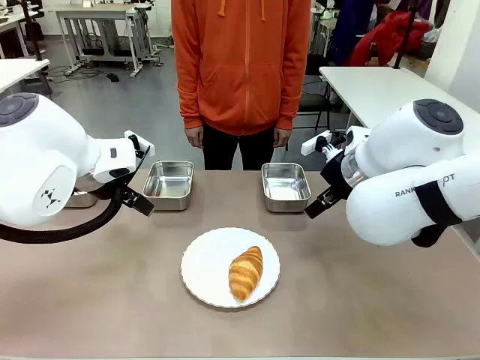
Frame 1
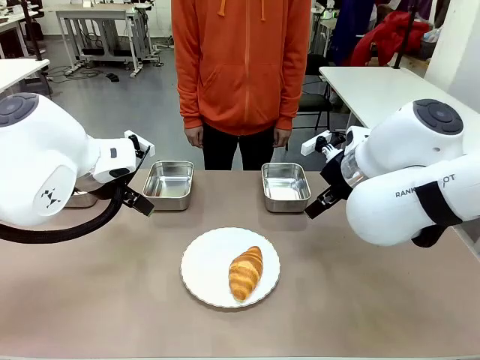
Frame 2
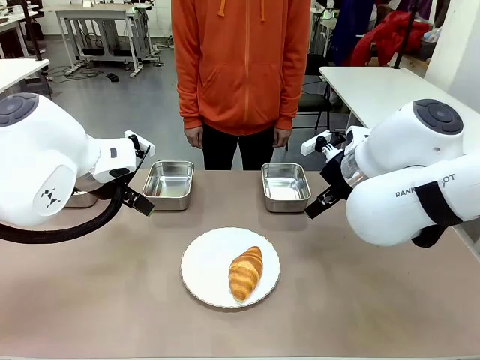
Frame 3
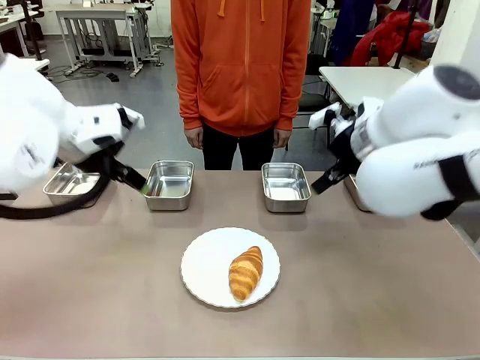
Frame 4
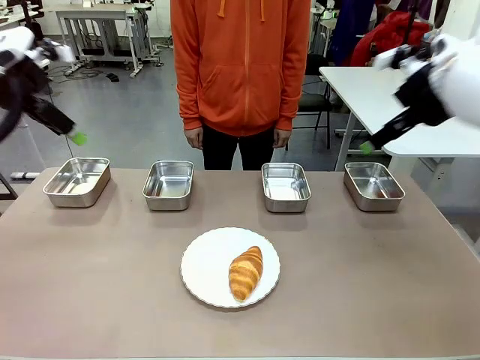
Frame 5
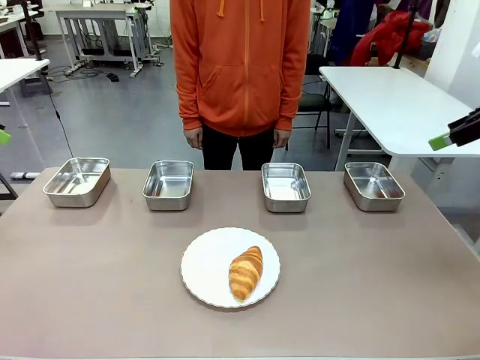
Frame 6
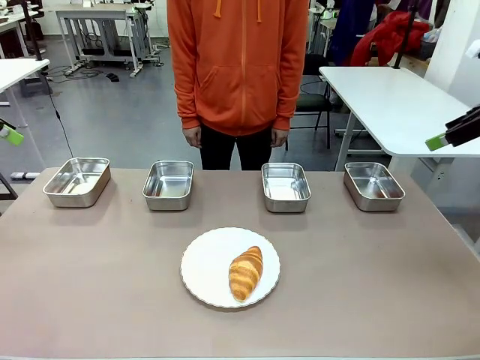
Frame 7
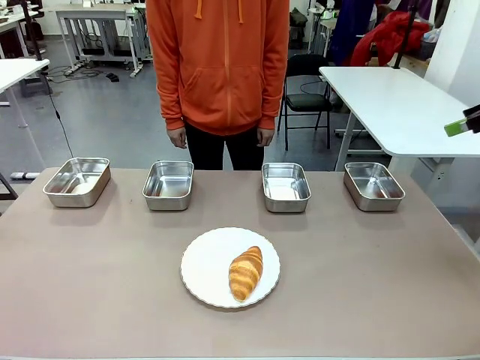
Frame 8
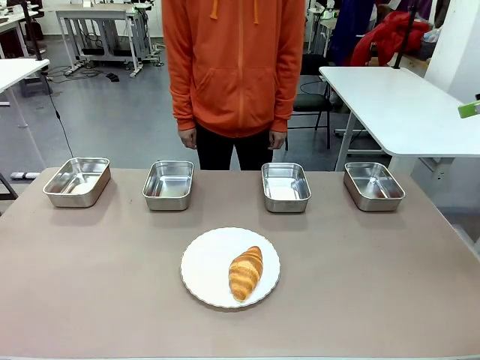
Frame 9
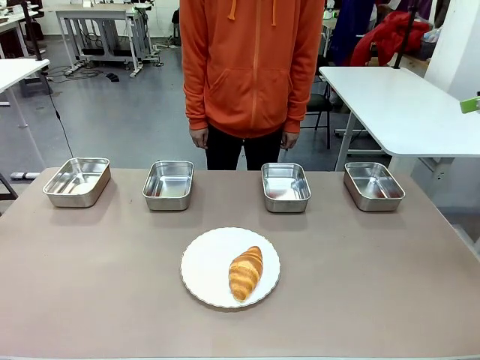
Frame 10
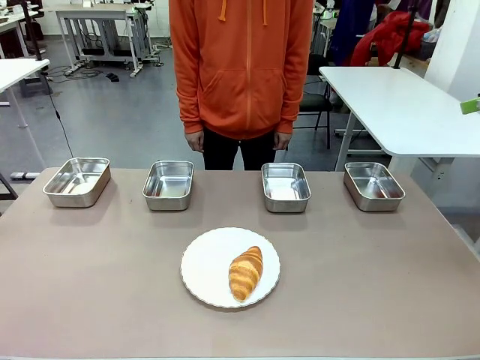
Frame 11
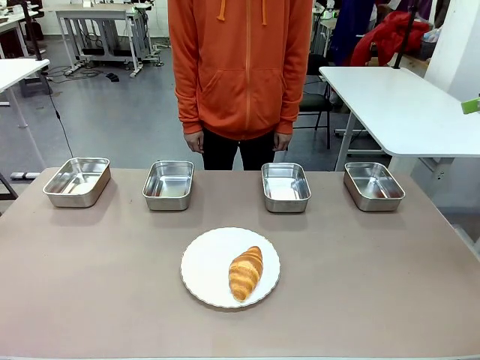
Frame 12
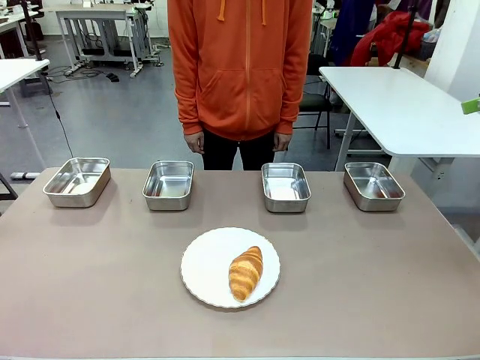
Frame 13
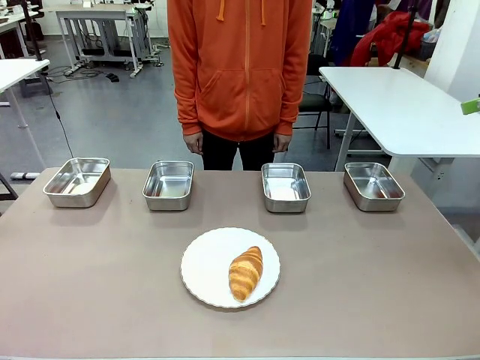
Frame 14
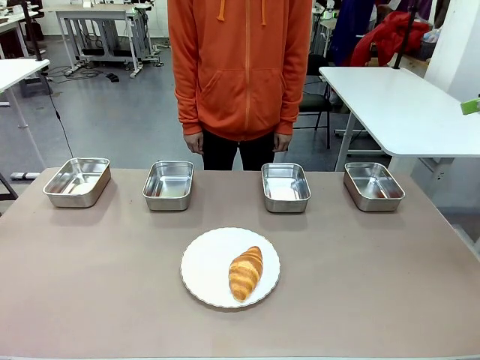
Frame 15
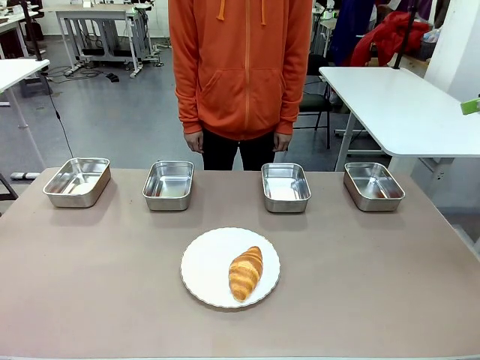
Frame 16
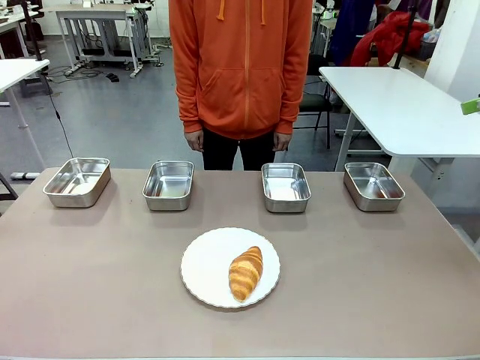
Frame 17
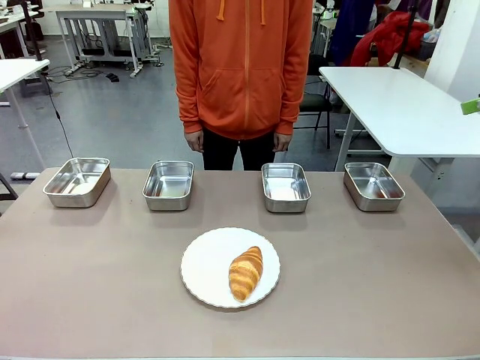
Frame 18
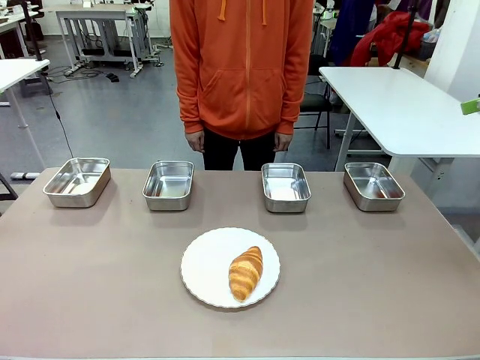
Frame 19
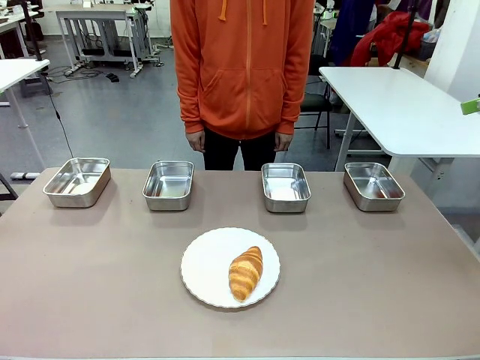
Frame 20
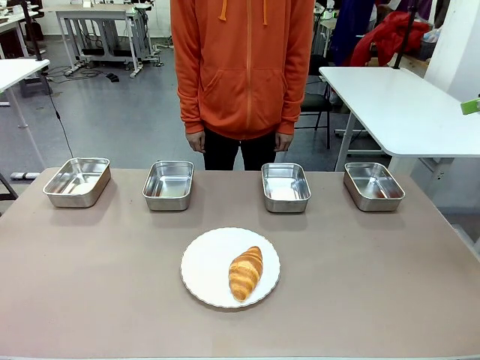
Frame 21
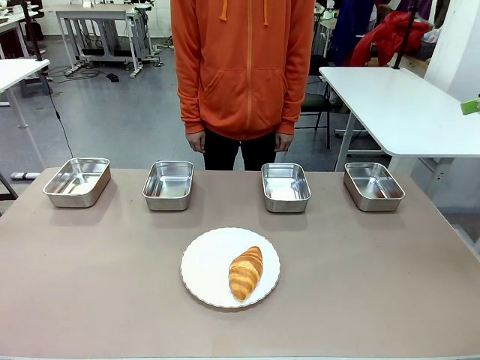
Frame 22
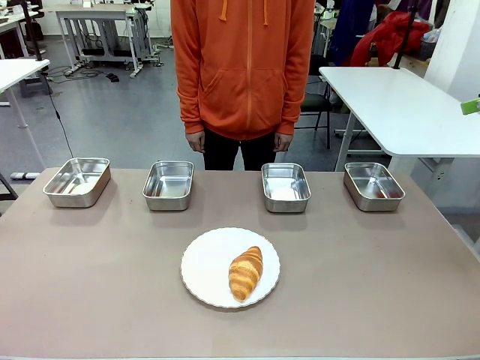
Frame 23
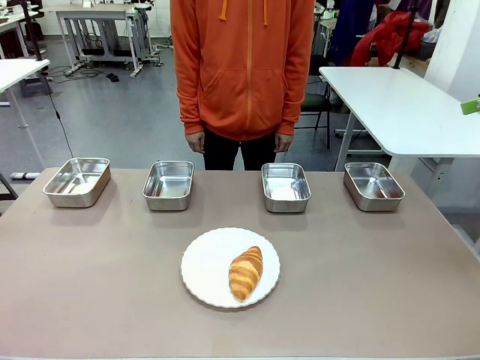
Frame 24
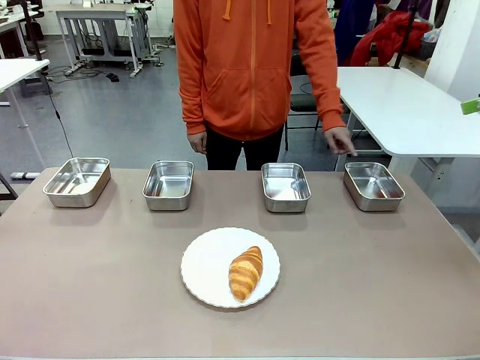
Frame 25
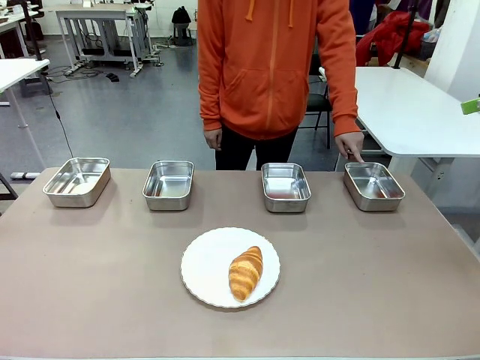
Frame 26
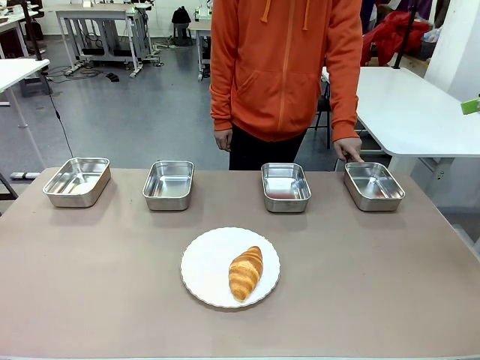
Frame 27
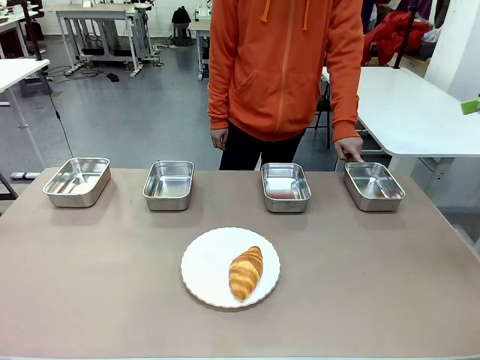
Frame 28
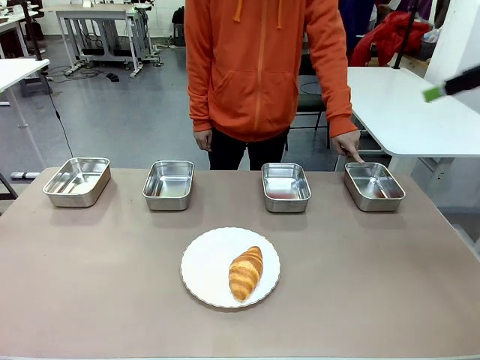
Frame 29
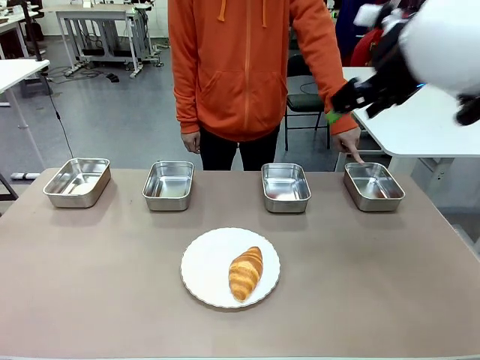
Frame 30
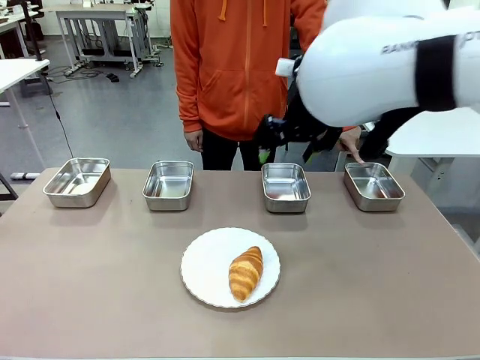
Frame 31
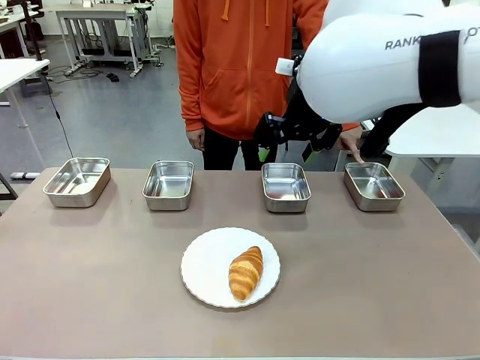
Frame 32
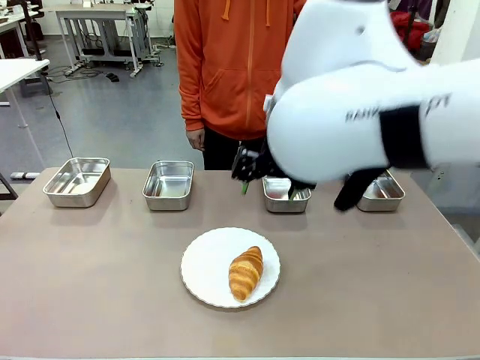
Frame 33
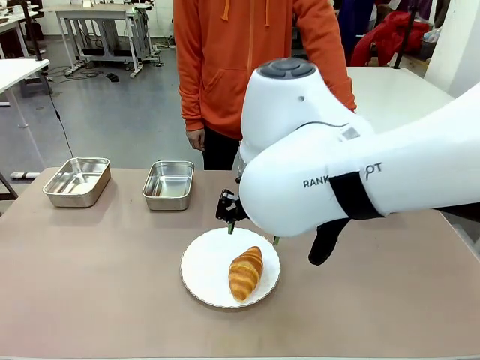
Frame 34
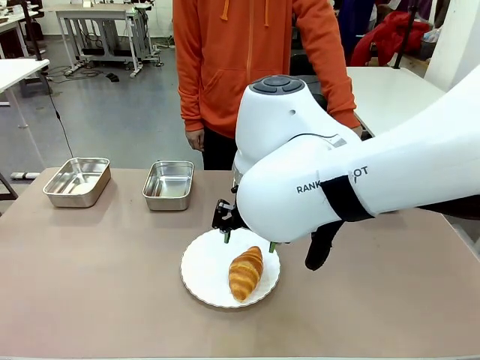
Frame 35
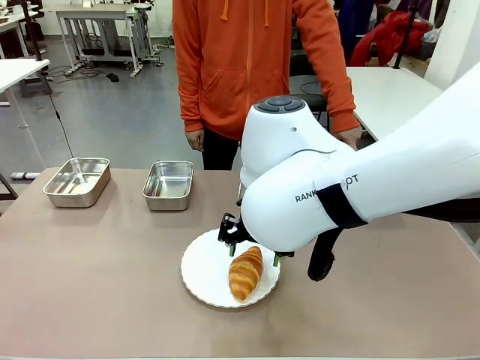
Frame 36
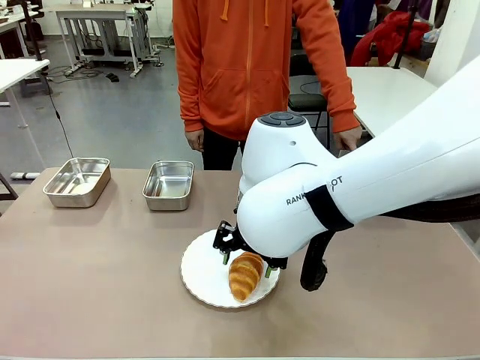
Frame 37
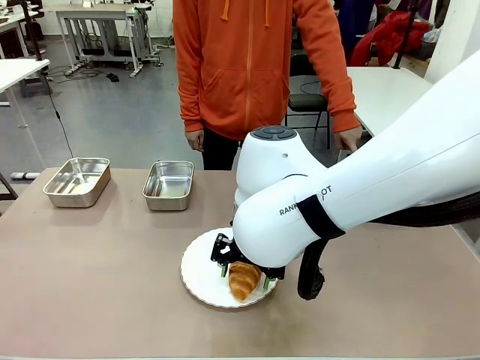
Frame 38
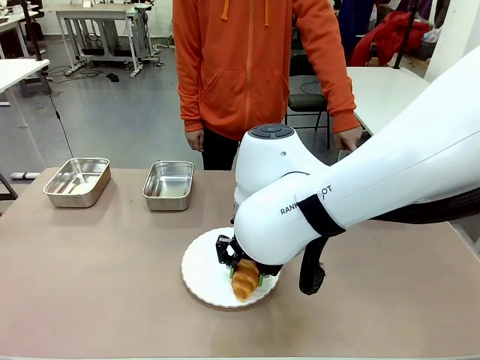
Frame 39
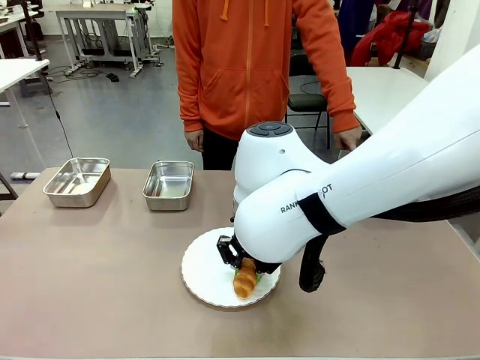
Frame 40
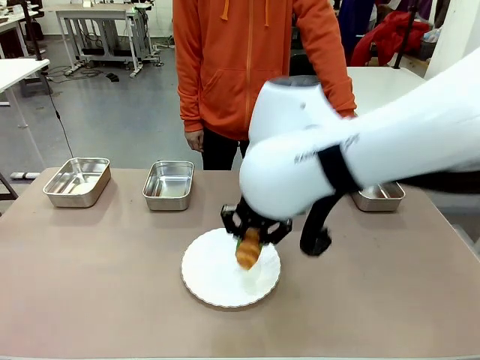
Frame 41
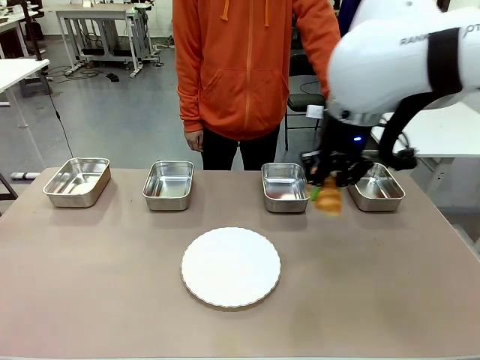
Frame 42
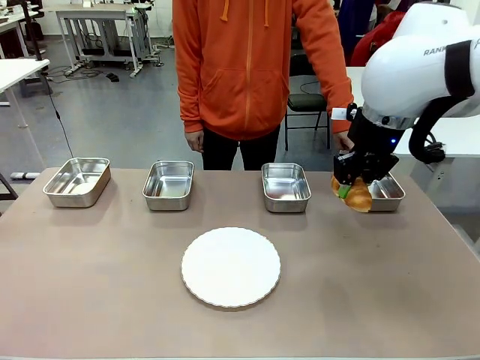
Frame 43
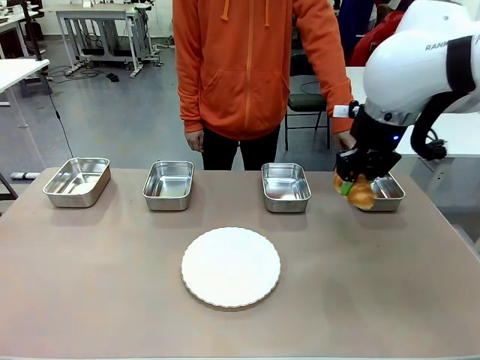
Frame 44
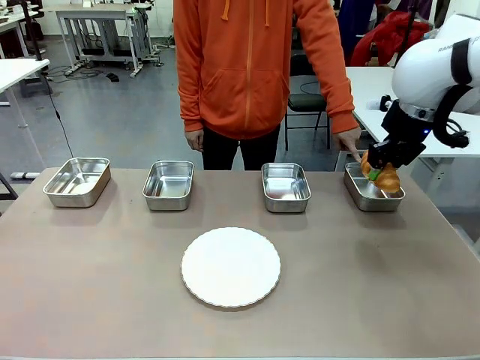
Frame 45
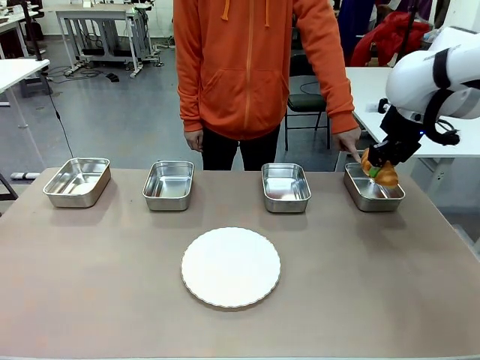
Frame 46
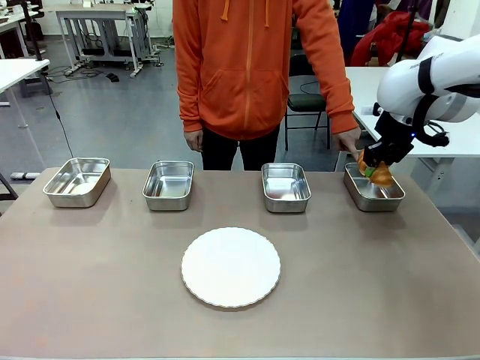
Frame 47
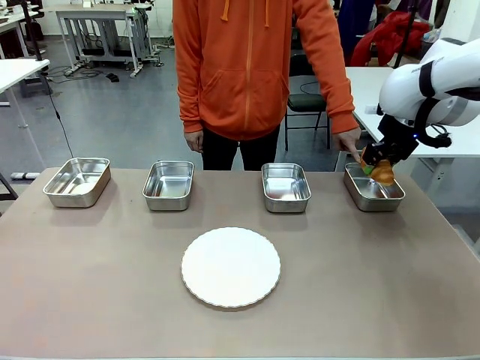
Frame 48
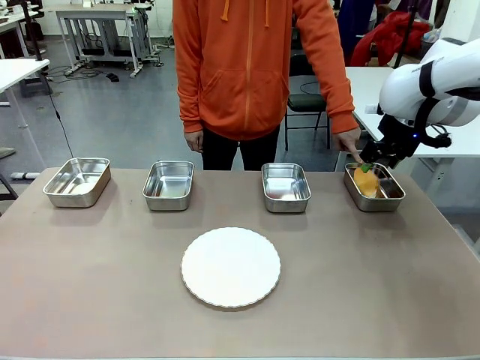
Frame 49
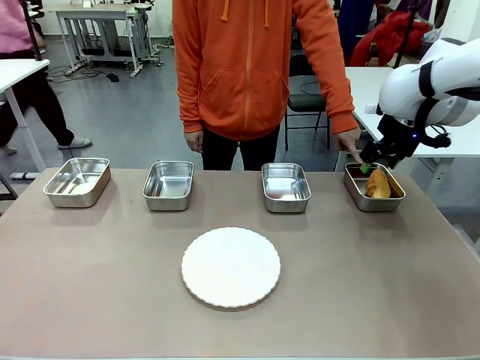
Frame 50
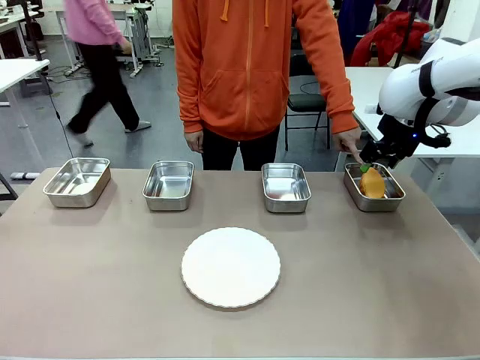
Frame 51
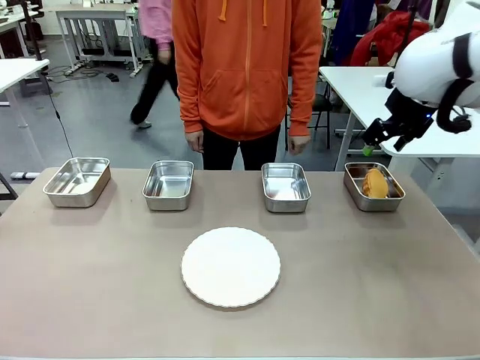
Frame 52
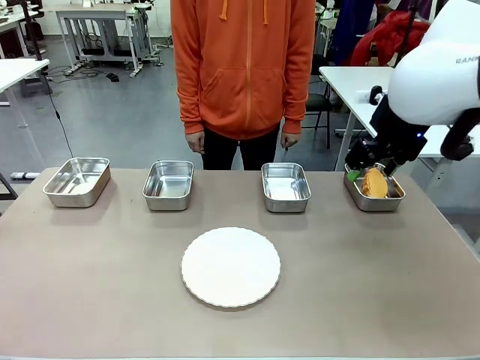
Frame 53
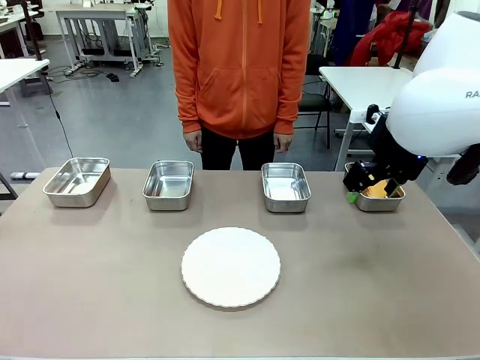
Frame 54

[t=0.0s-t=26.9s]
Task: Place the bread in the container.
Robot: Place the Butter Roll into the Airtight Container indicated by the human.
Person: A person randomly selects and points to an Airtight Container.
